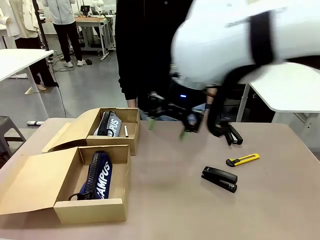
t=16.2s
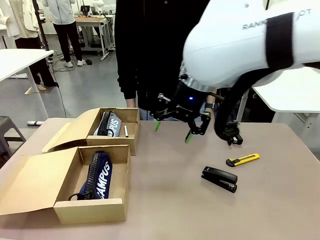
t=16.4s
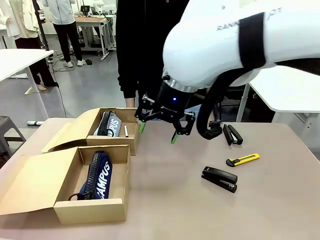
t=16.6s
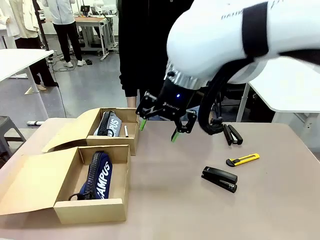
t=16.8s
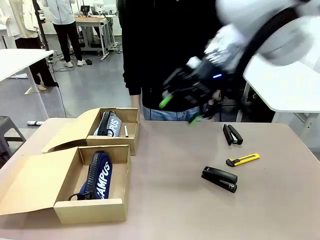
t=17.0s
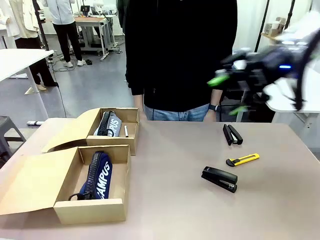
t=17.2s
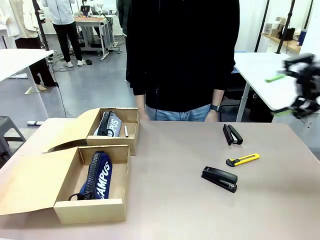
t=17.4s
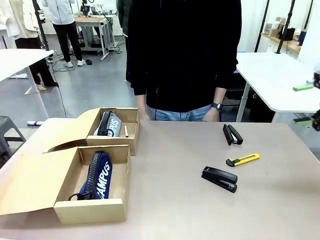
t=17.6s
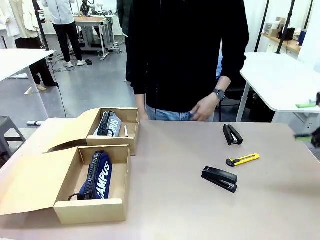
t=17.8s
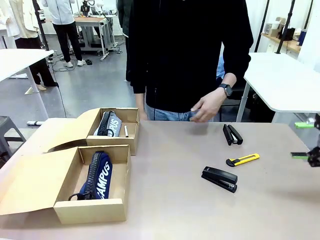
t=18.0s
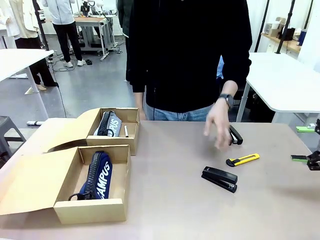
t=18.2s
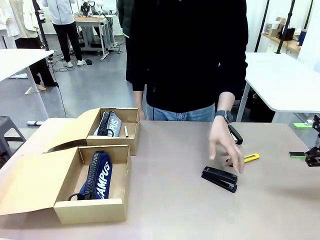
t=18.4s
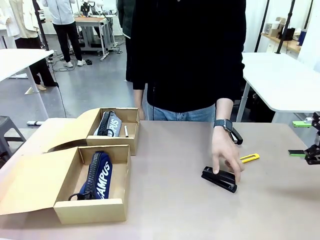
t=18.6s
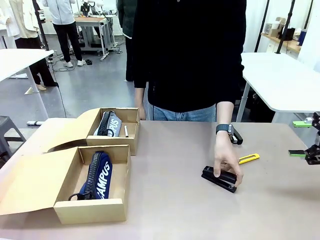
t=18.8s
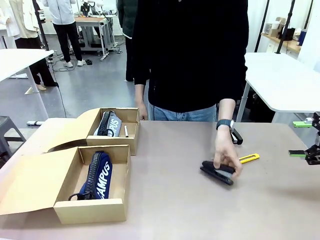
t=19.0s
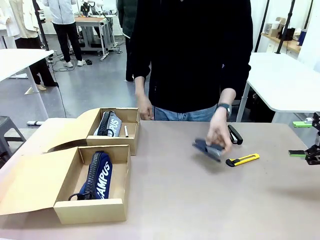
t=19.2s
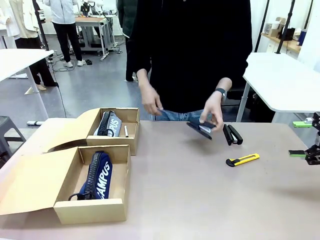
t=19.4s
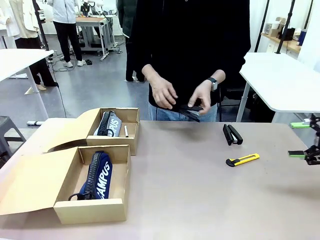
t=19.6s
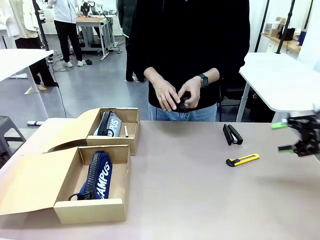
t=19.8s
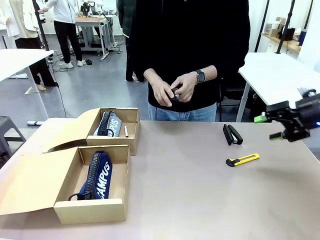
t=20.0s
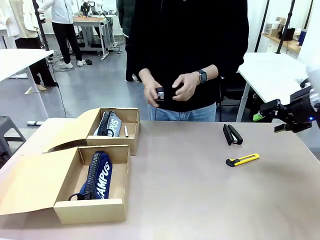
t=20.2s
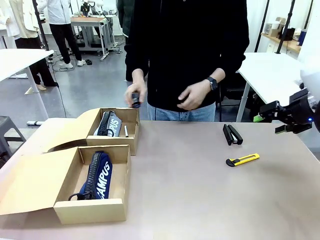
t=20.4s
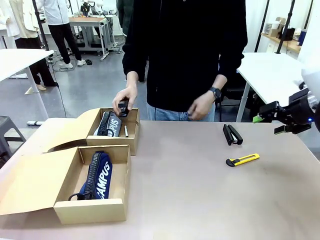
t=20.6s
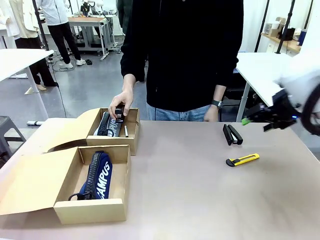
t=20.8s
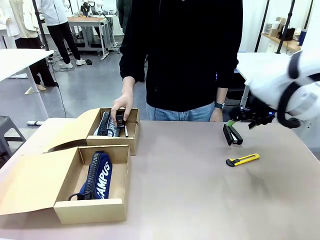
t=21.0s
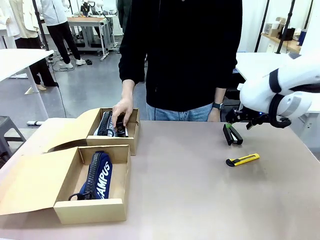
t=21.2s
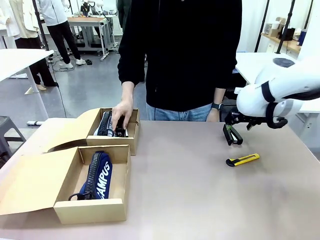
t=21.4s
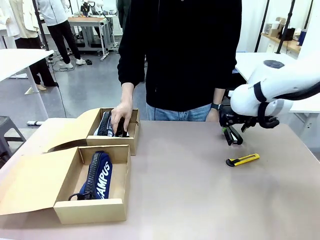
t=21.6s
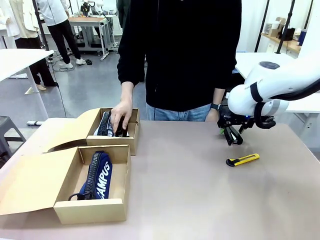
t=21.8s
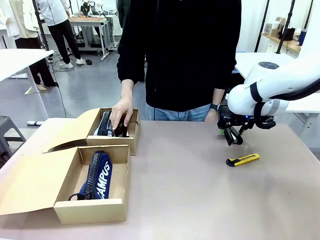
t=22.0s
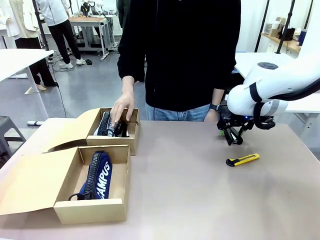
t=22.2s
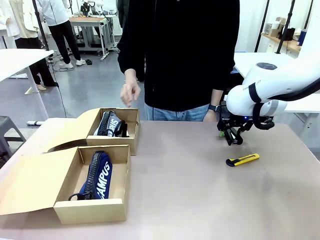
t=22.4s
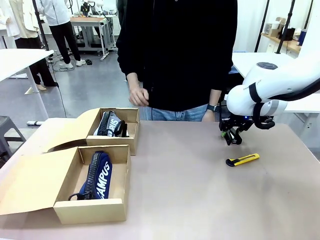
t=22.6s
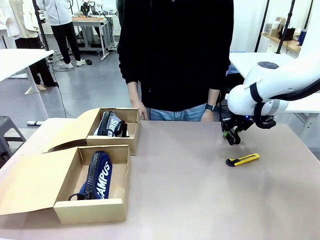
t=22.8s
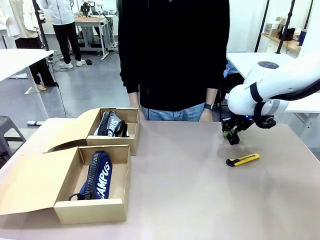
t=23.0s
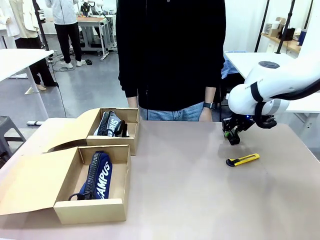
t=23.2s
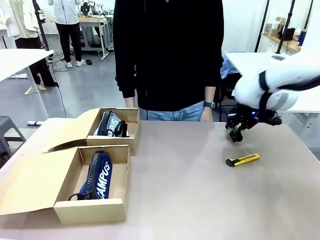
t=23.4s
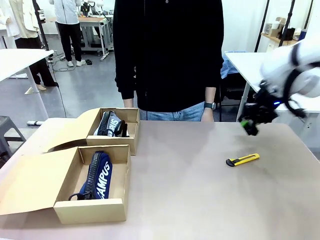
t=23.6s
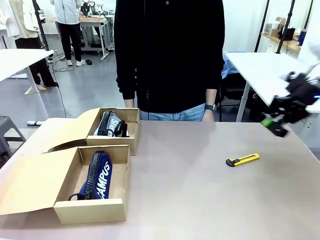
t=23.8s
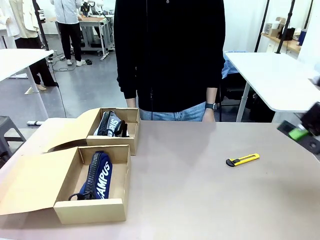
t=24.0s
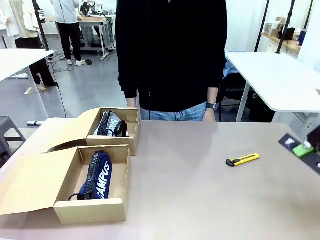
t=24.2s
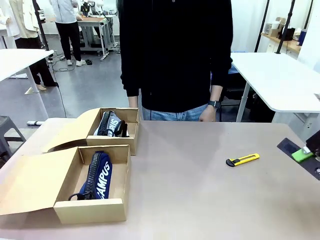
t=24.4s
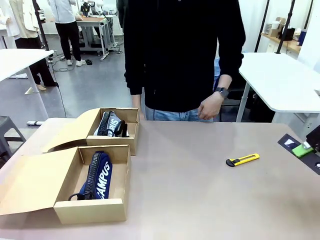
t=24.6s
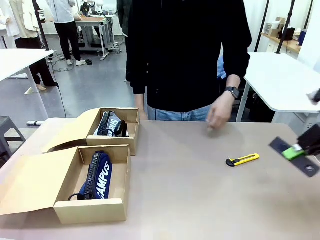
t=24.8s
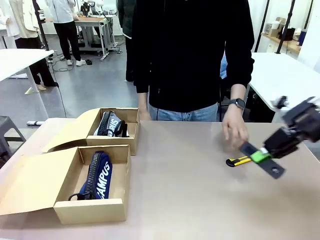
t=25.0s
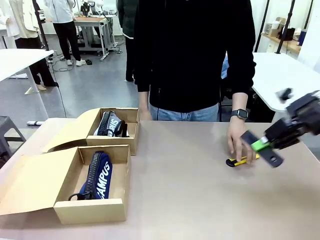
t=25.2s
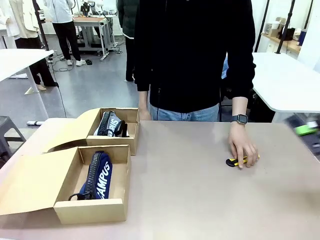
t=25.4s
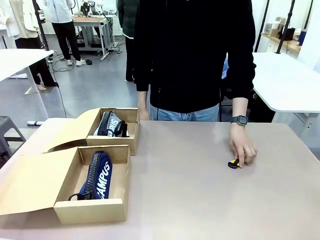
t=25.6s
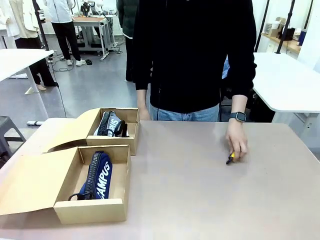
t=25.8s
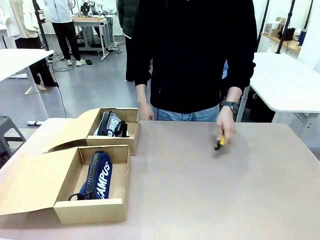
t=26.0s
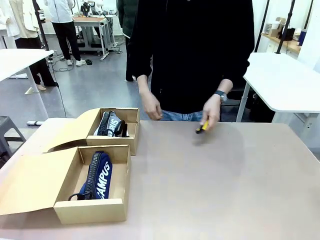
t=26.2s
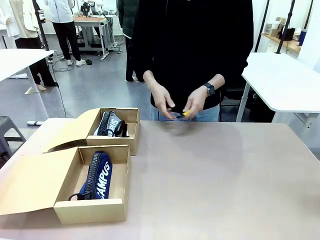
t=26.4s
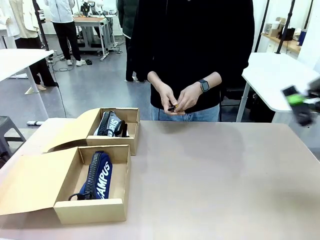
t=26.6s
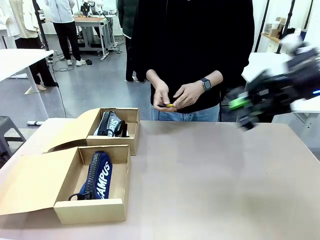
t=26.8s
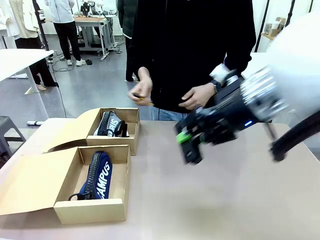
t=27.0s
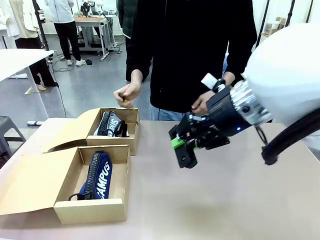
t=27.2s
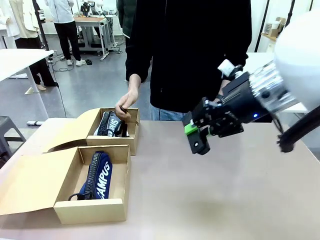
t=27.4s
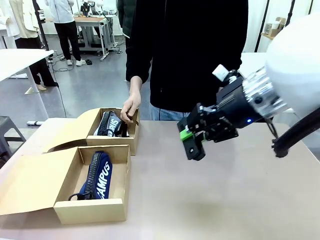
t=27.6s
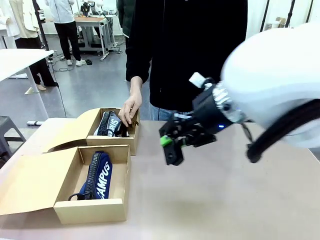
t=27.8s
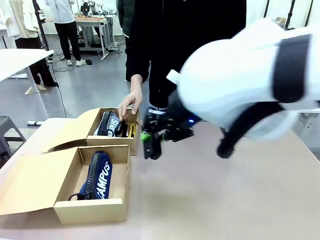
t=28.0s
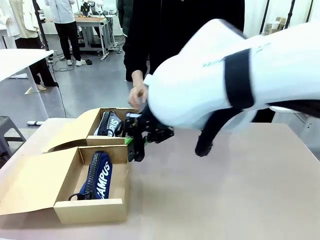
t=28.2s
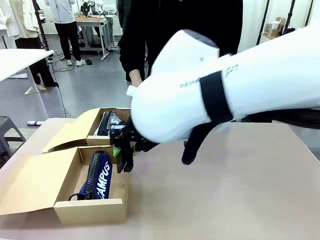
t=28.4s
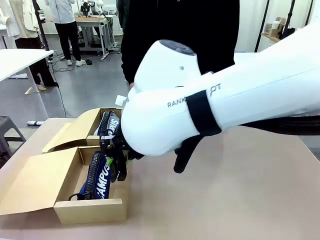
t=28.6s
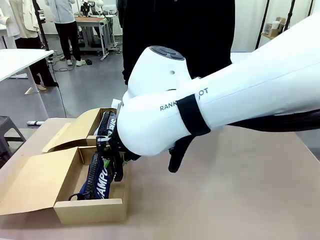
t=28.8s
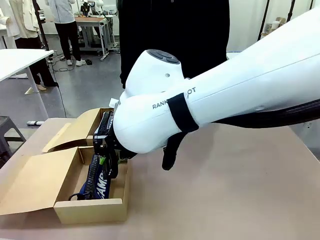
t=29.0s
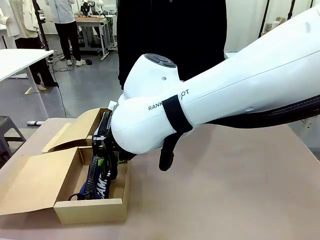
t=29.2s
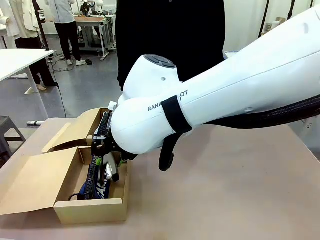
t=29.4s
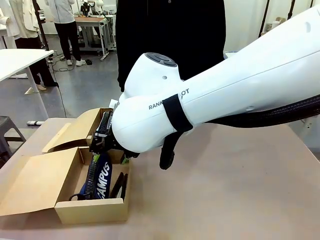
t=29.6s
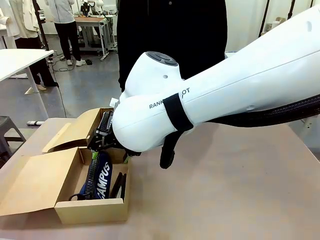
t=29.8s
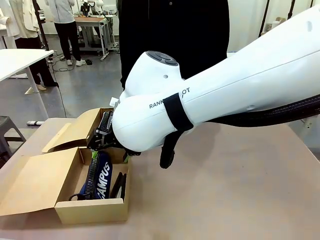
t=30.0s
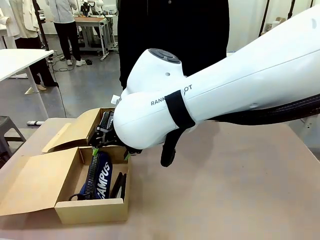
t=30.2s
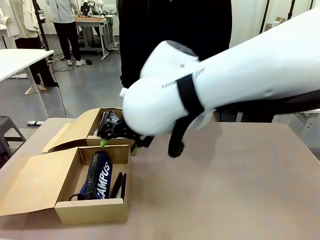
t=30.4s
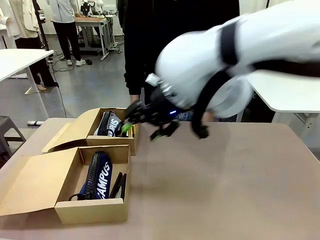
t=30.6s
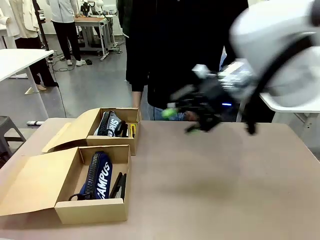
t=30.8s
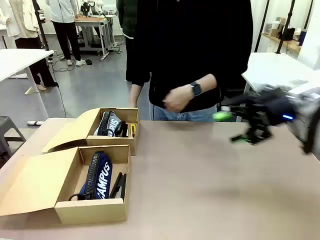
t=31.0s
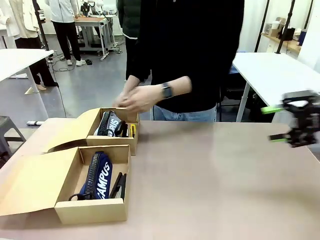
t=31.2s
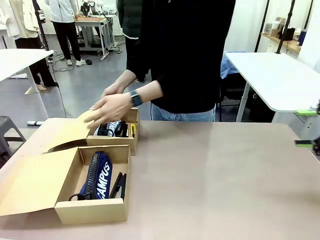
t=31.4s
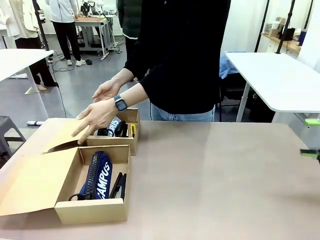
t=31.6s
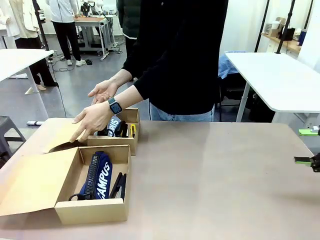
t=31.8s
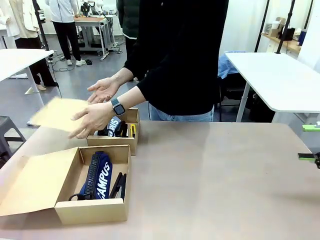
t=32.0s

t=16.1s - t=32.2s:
Task: Place items inside the box.
Robot: Pick up a Pencil pouch or Stapler and place it inside the Mailer Box closest to the robot.

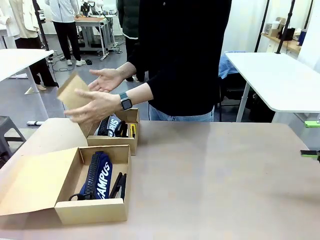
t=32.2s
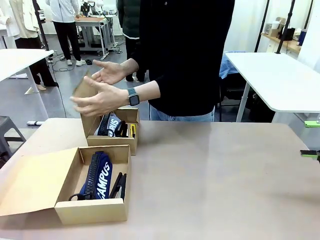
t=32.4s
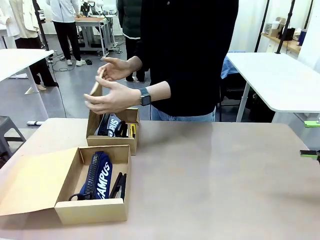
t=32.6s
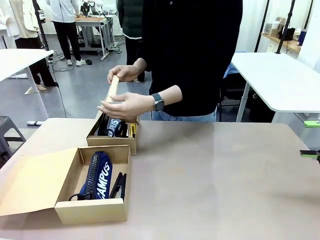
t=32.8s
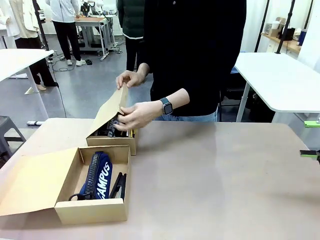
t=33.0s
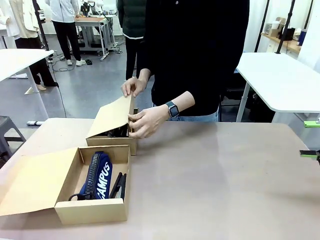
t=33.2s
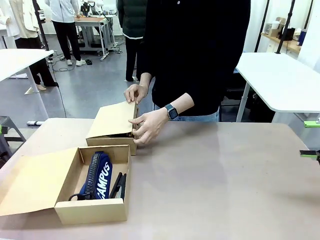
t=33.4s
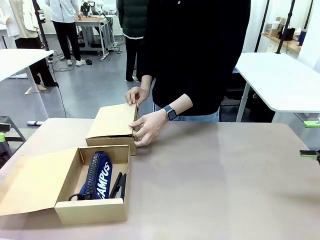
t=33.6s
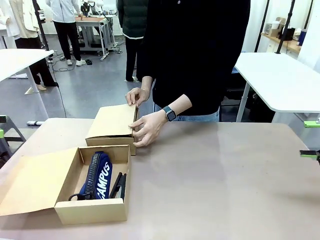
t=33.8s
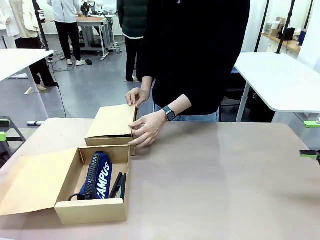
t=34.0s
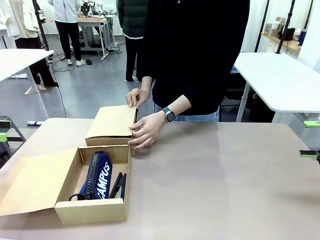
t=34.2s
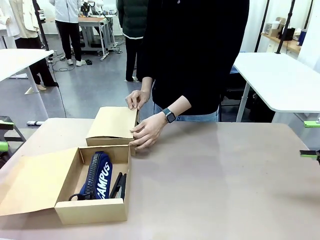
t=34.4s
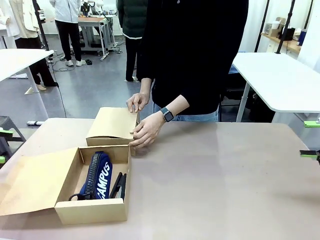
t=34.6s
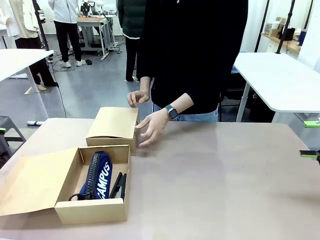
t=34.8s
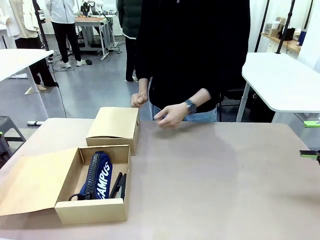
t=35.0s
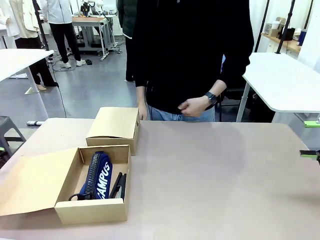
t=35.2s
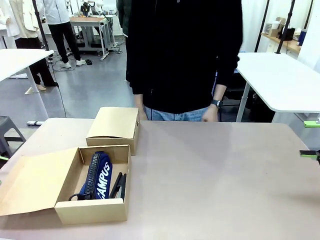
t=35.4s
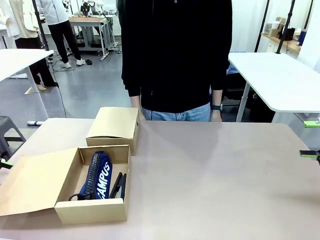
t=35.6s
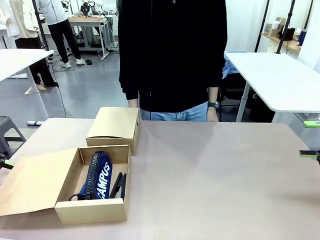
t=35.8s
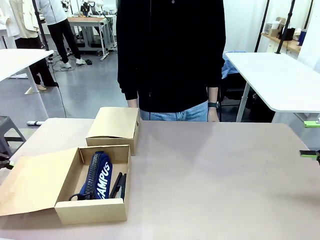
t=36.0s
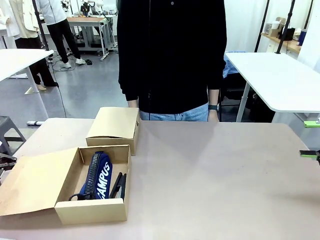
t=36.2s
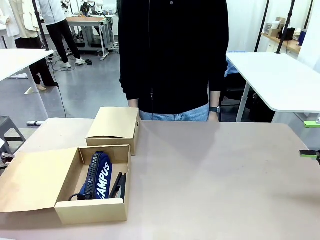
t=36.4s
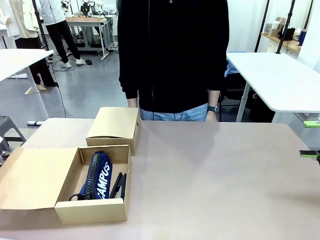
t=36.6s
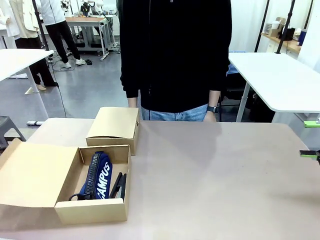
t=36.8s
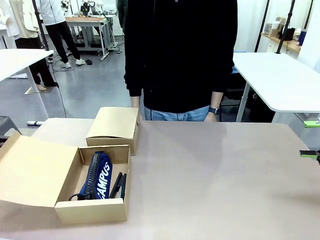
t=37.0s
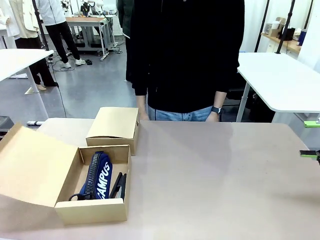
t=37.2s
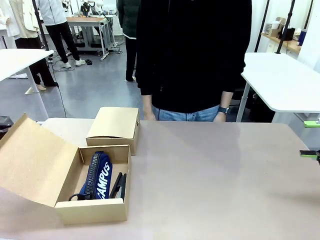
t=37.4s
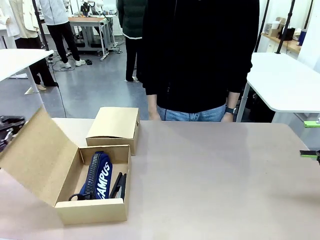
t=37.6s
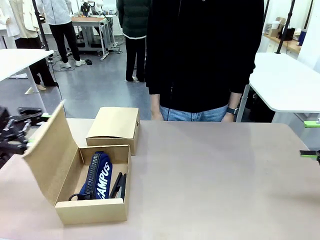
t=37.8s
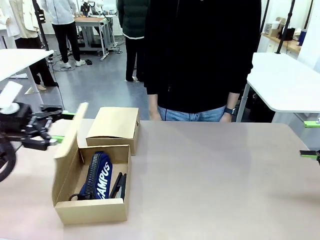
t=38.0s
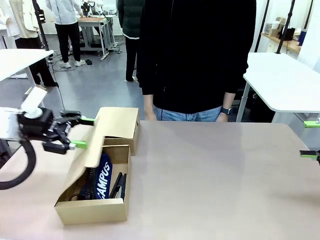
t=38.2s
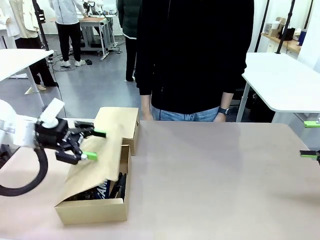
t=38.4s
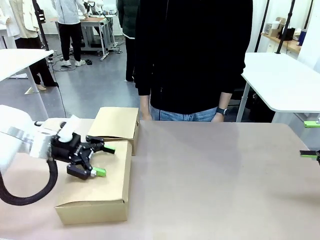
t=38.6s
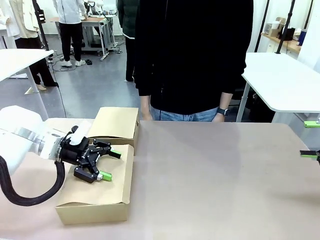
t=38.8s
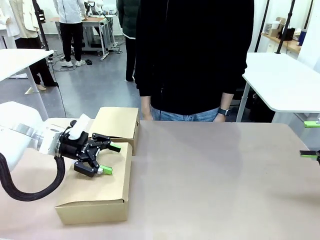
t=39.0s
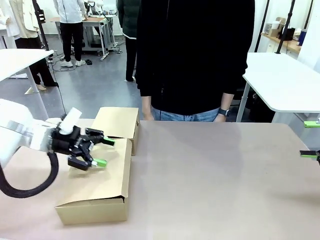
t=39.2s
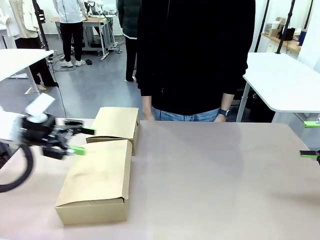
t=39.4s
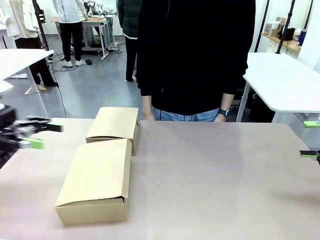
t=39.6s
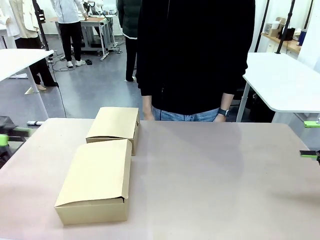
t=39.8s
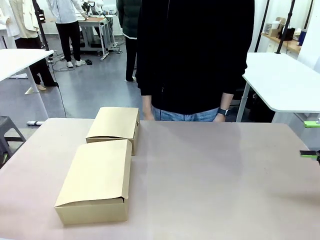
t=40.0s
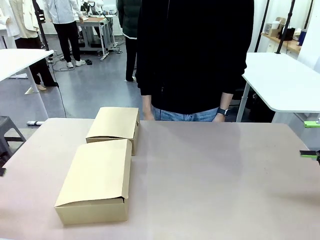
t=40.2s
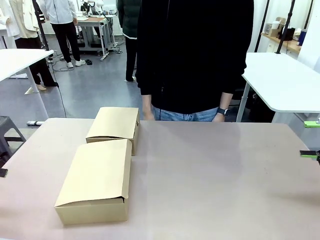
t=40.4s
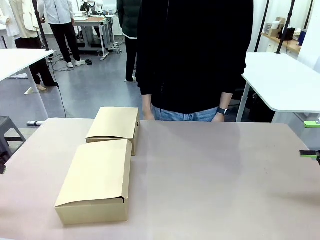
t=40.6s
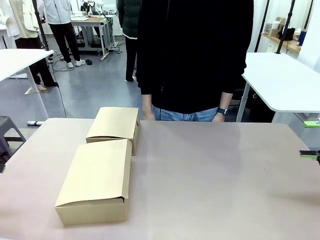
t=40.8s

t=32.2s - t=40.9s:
Robot: Close the lid of the Mailer Box closest to the robot.
Person: Close the lid of the box facing the person.
